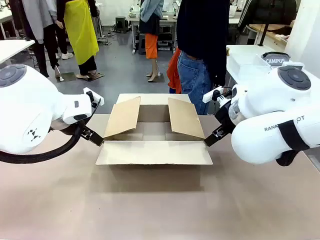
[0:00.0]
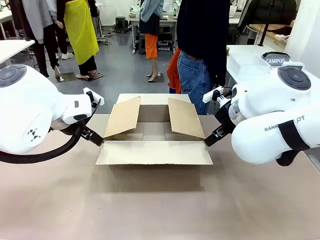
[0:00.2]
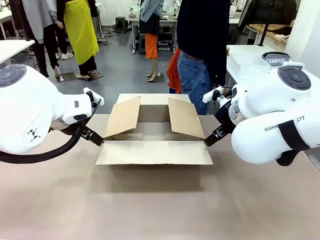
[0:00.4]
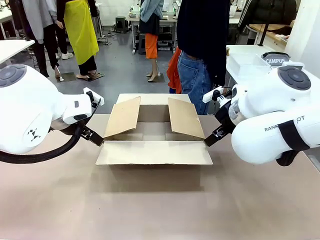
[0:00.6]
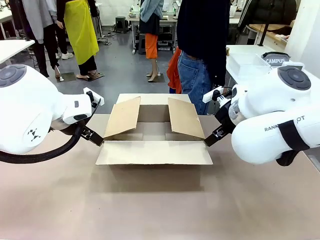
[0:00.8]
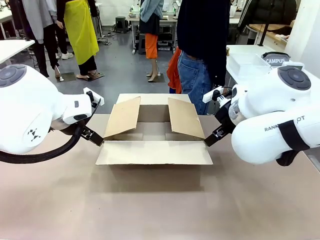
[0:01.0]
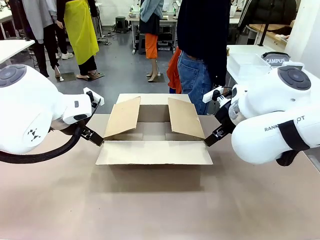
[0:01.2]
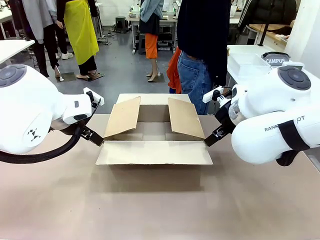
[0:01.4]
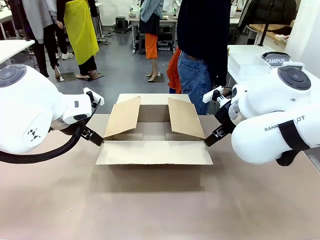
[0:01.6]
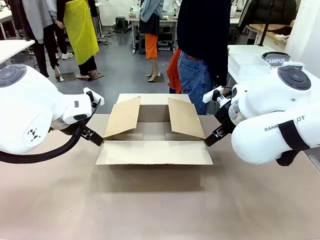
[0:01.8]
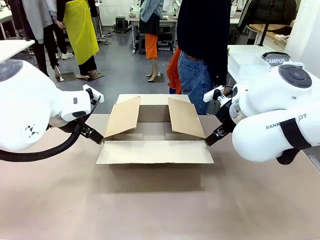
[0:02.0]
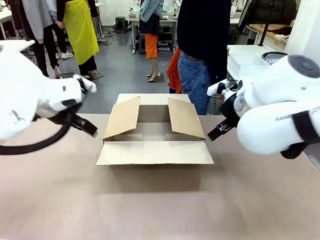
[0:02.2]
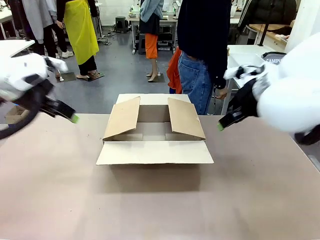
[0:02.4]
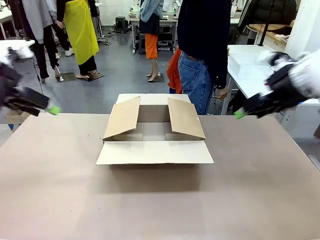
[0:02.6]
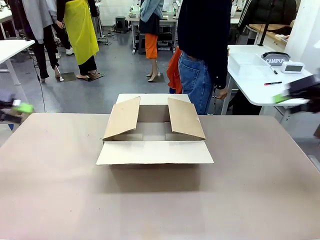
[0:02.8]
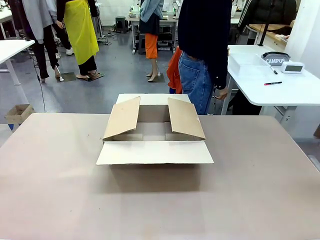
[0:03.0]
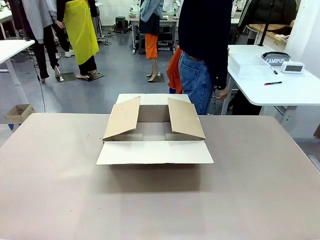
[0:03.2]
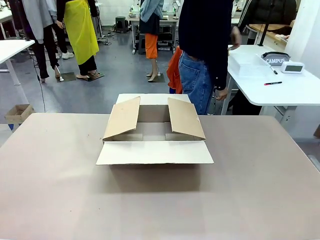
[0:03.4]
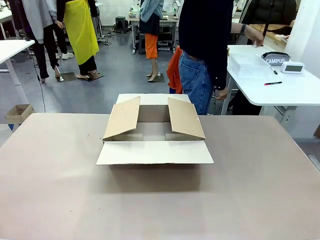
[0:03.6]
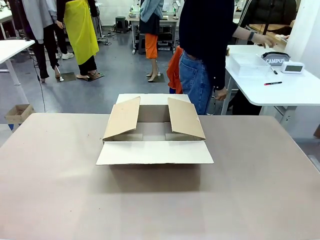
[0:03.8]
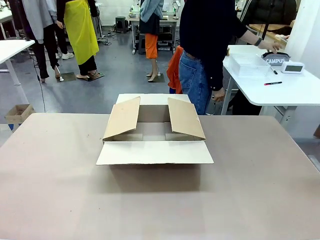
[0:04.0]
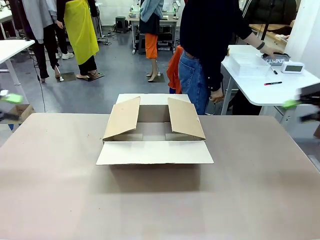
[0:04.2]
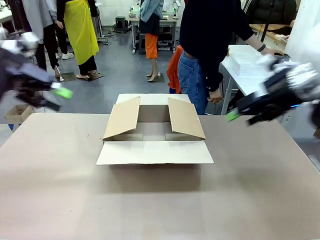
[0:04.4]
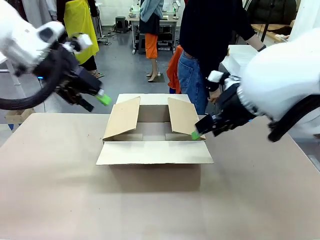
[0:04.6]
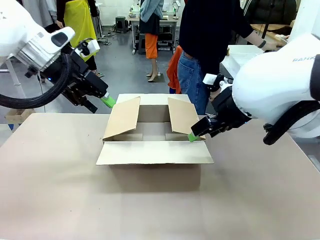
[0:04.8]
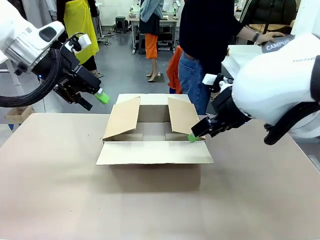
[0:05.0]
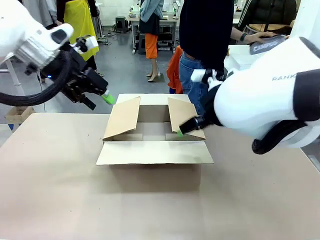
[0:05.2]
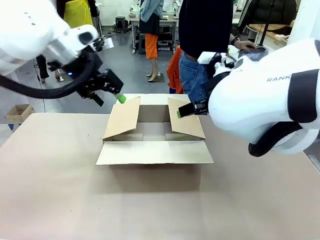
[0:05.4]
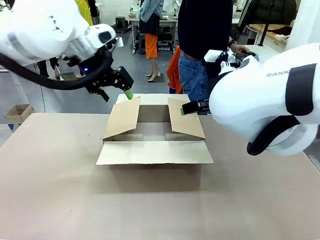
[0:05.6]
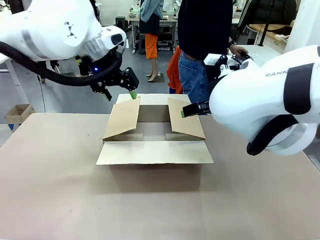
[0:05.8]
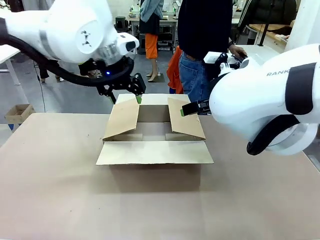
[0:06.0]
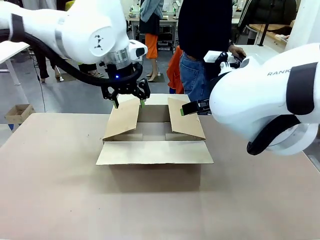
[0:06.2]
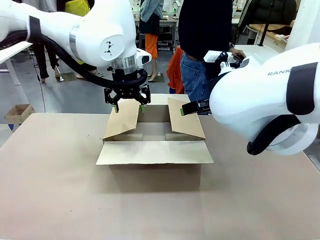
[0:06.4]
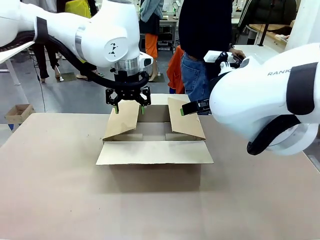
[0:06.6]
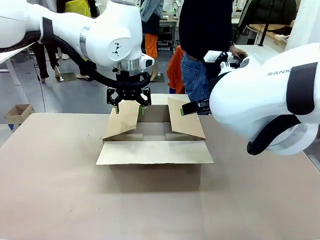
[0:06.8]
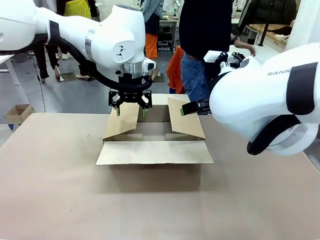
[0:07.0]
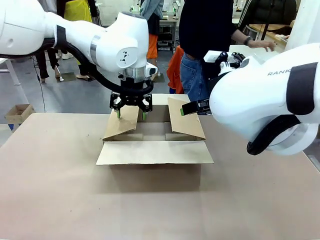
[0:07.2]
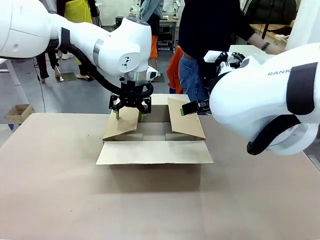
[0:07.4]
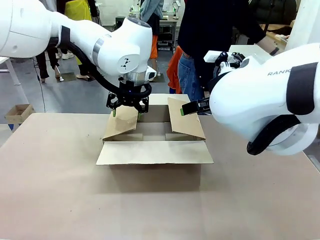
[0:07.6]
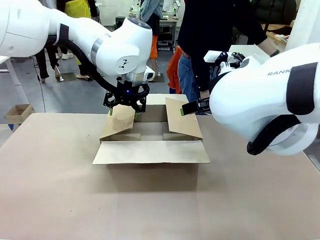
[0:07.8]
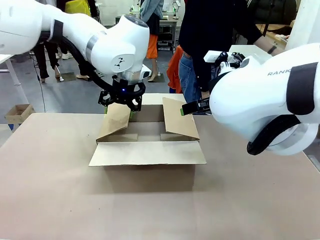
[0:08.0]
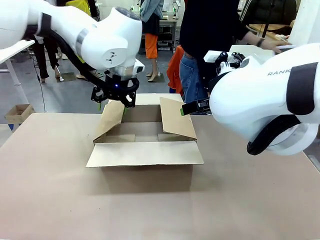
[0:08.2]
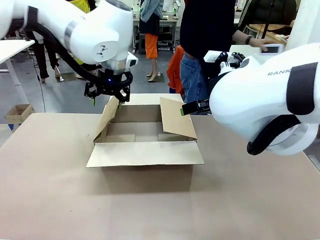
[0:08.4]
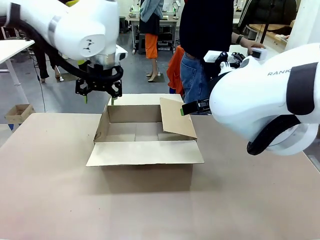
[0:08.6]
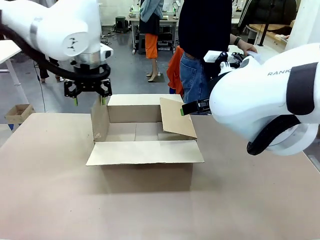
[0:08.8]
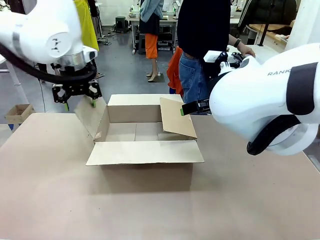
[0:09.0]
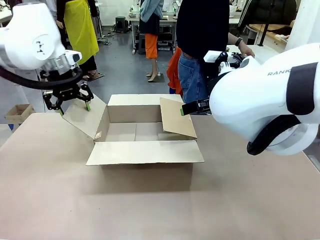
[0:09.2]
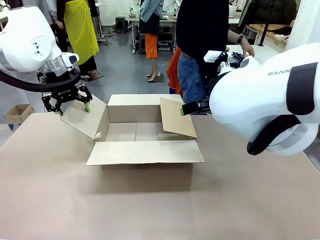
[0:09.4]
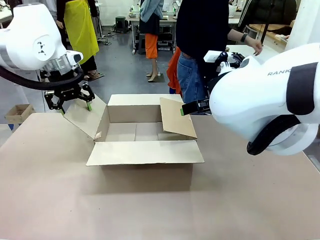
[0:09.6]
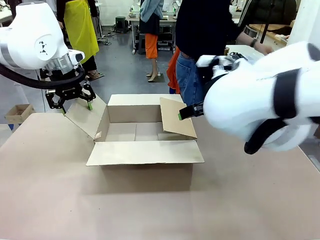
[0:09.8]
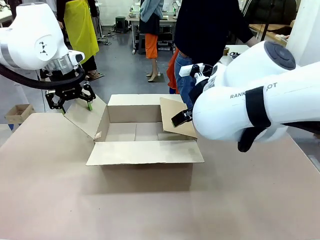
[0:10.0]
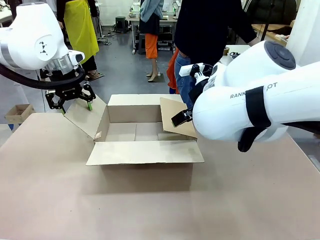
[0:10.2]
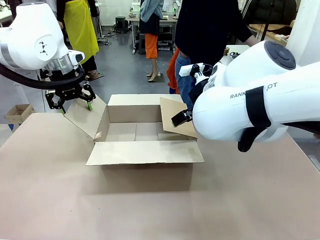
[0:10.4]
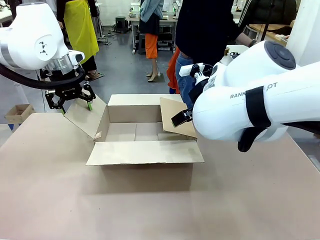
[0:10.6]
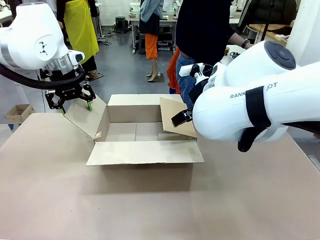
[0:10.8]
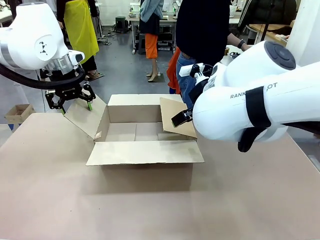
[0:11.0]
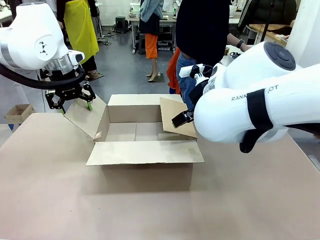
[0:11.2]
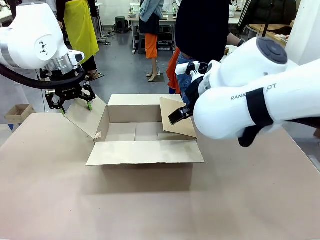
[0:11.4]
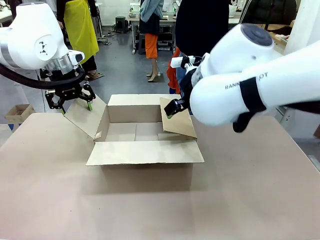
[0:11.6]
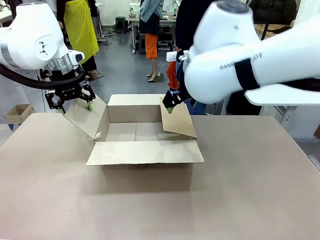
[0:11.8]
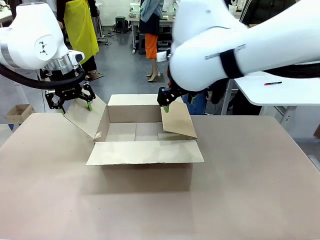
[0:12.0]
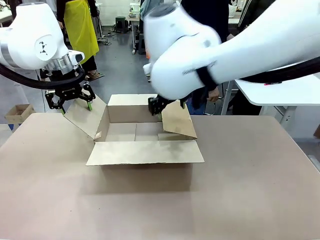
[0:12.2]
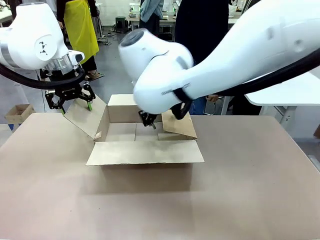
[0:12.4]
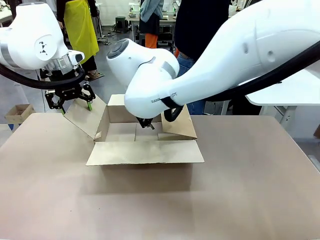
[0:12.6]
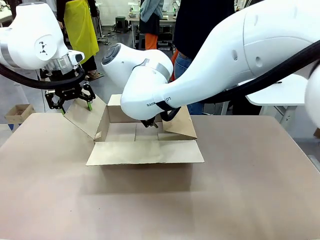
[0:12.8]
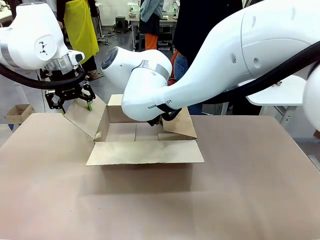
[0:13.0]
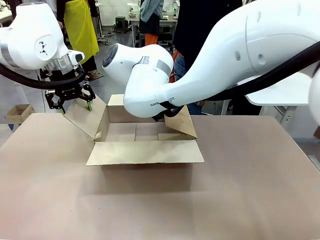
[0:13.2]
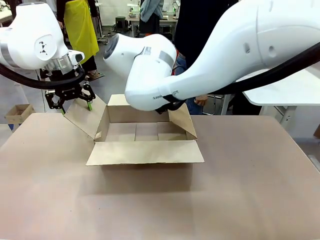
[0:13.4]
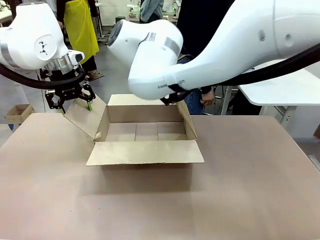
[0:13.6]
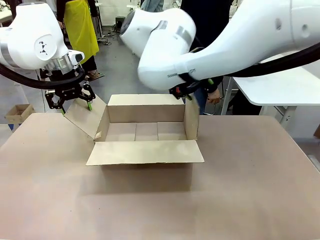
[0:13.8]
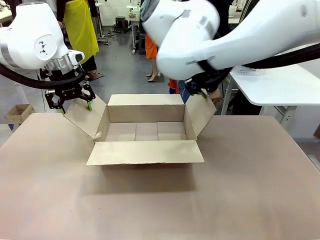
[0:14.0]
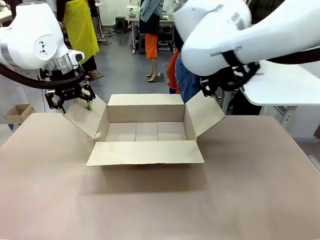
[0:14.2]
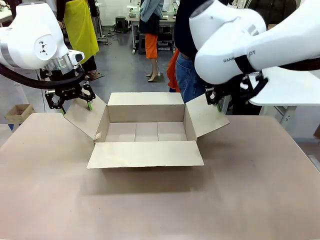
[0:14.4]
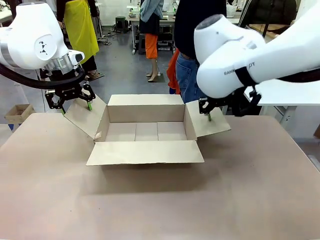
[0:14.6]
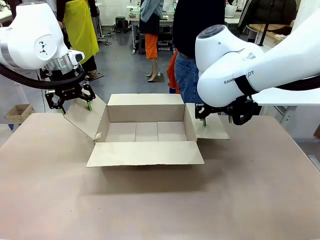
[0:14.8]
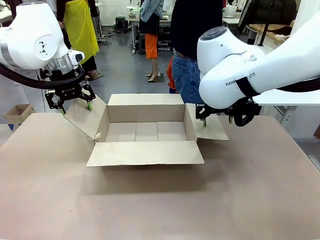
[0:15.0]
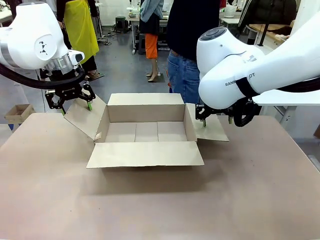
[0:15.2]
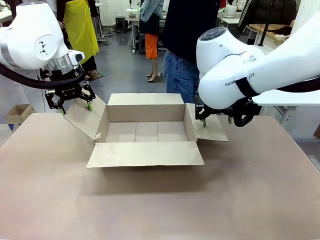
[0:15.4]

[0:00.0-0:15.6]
Task: Pack the gift set into the box.
Robot: Place both hands on the side flaps of the Package Box and spread them outward.
Person: The human places all items except the paper tape into the organizing basket.

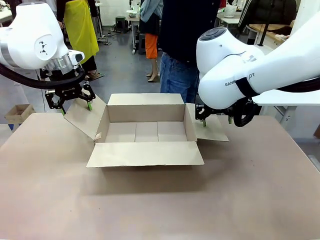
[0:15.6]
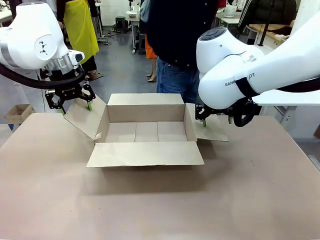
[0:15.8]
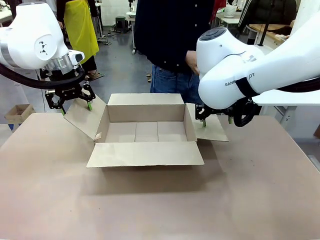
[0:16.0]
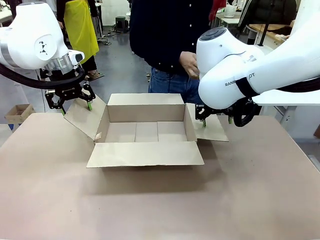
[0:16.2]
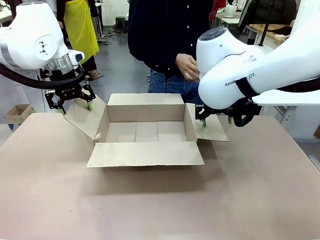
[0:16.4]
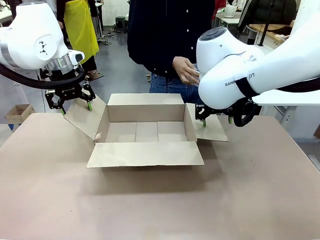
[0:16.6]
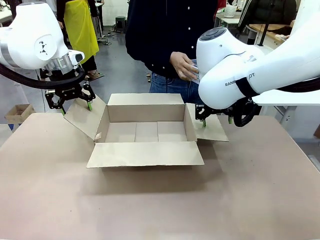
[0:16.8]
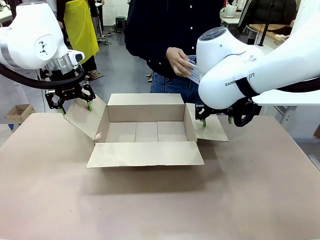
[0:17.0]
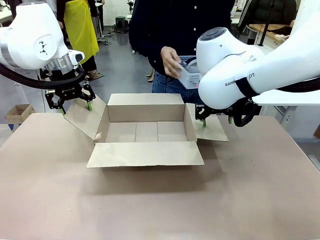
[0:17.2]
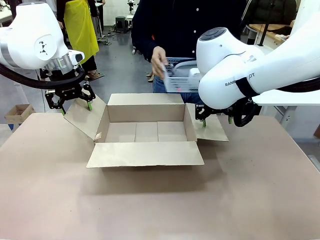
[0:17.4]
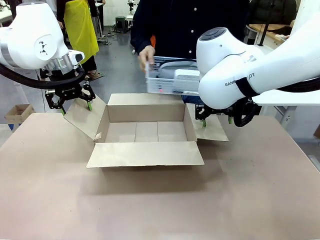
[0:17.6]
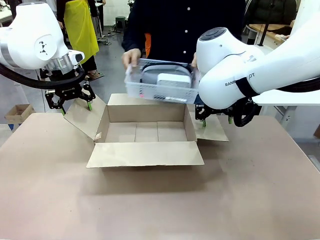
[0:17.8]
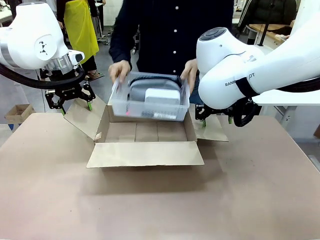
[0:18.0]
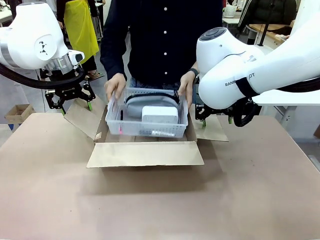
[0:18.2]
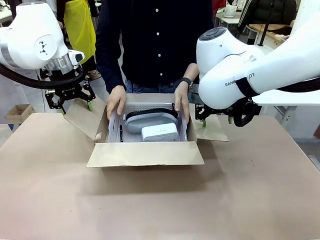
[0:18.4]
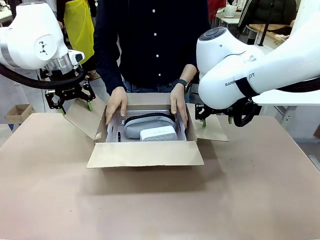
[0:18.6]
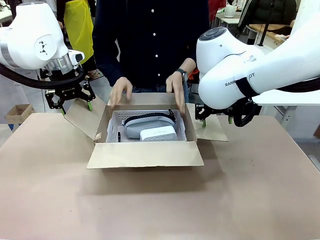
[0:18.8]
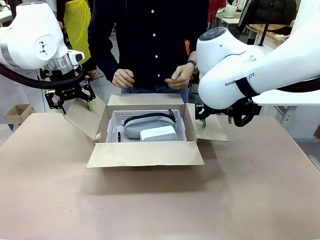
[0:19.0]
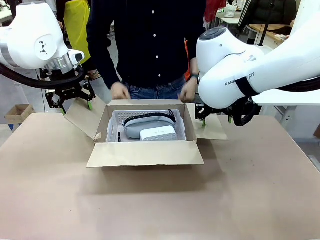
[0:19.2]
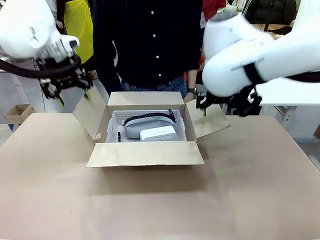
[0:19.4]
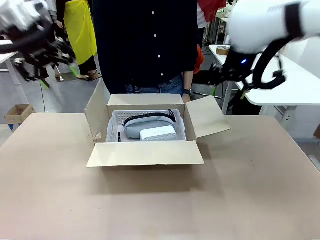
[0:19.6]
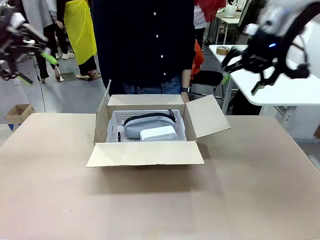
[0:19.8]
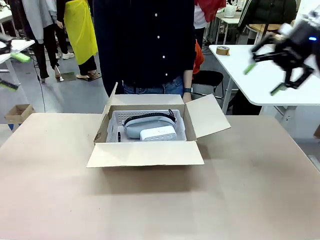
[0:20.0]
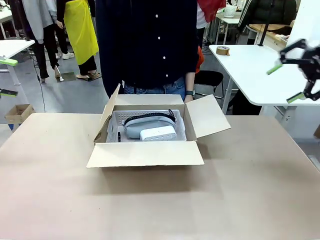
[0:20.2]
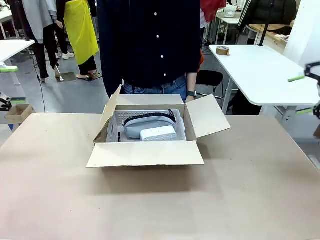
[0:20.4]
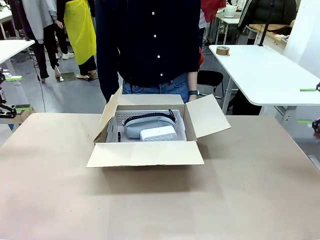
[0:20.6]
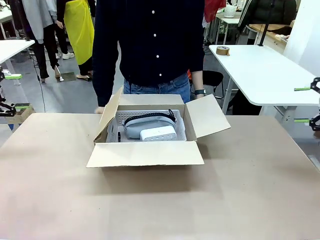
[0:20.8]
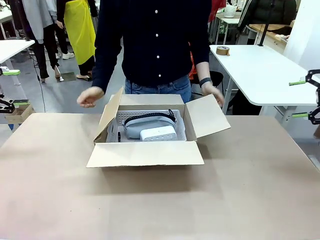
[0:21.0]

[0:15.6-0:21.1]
Robot: Lift both hands away from the flaps of the Package Box.
Person: The human picks up the organizing basket and places the organizing basket into the package box on the robot table.
